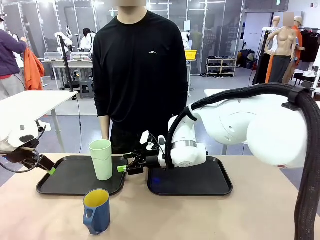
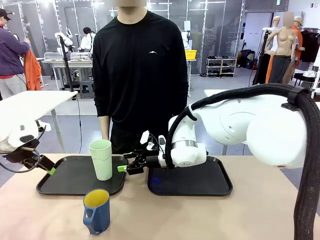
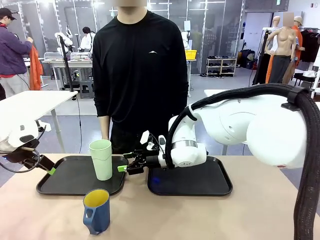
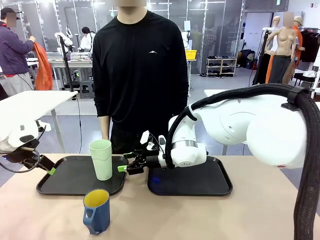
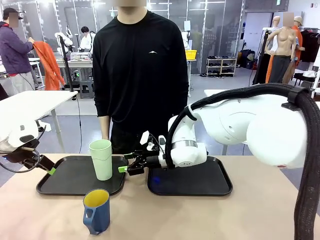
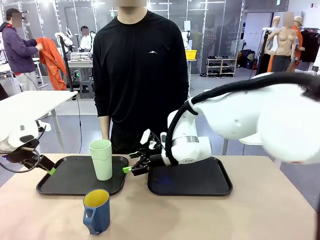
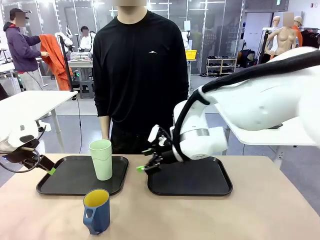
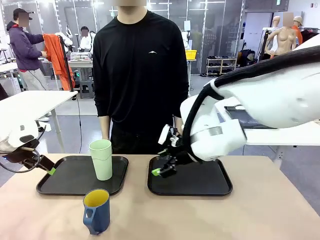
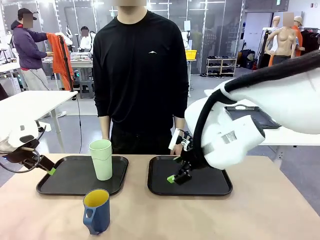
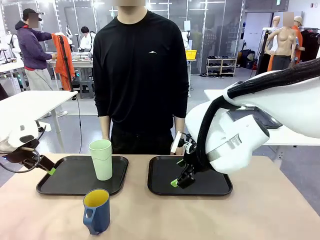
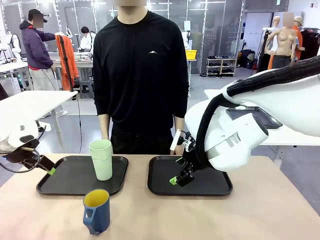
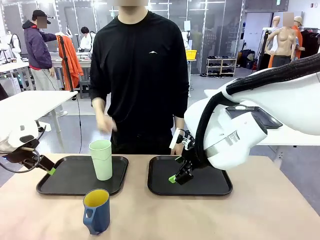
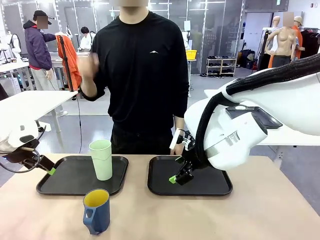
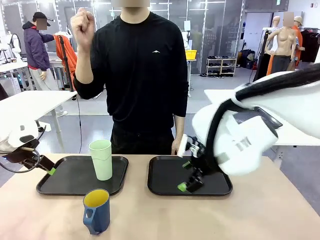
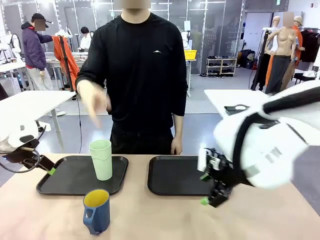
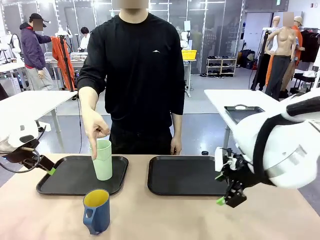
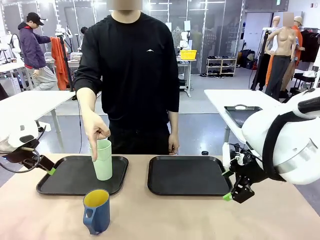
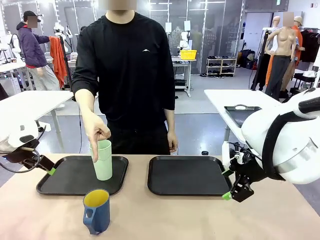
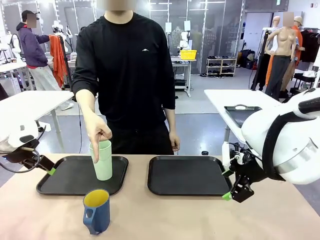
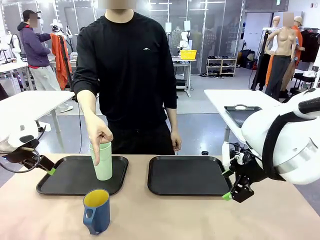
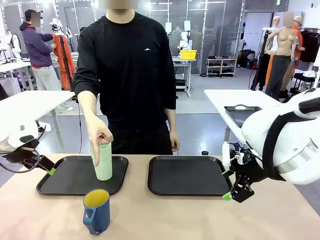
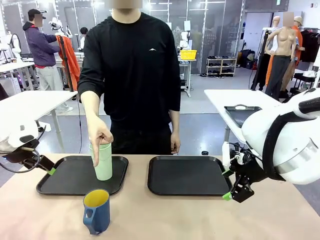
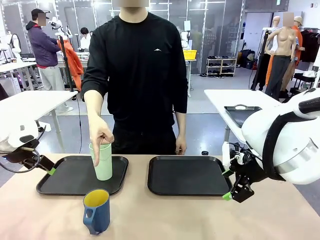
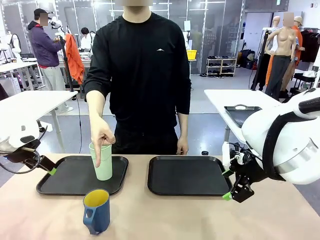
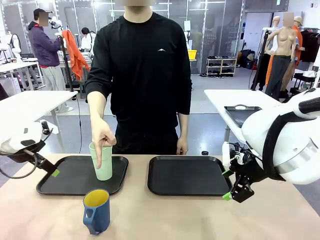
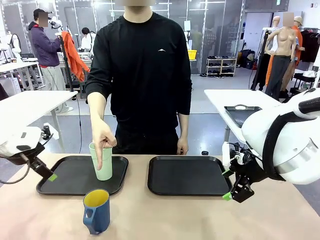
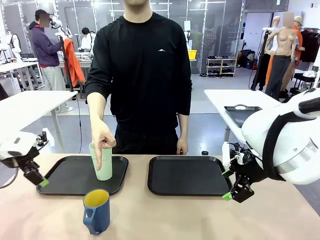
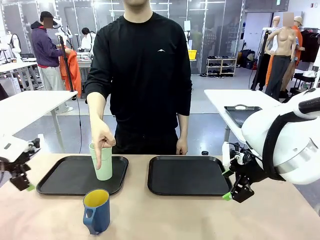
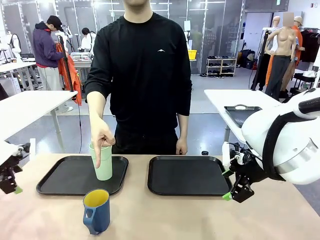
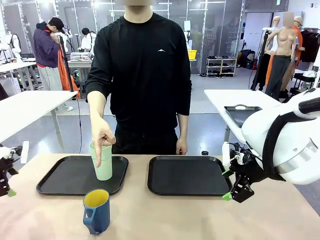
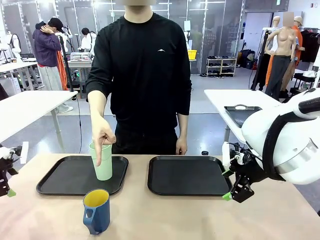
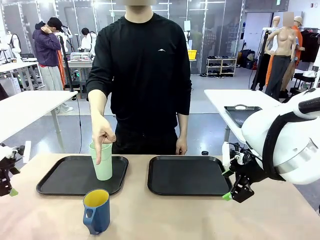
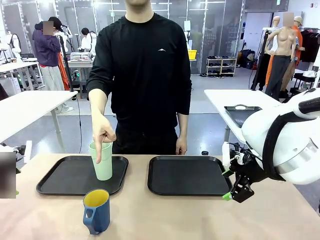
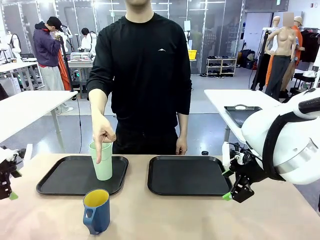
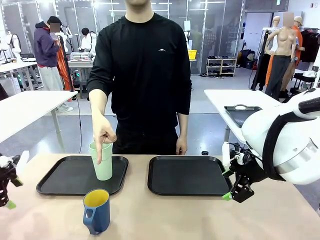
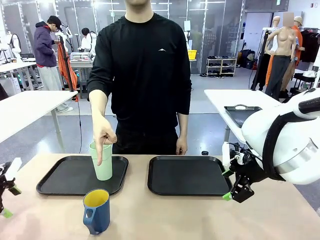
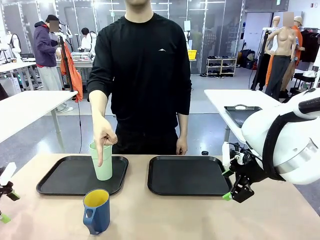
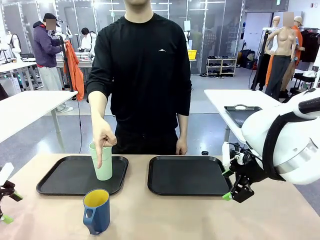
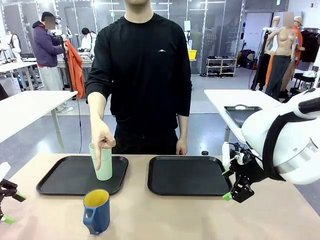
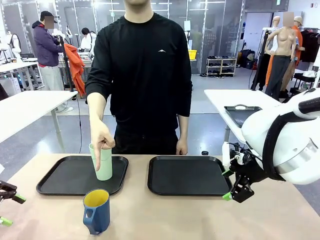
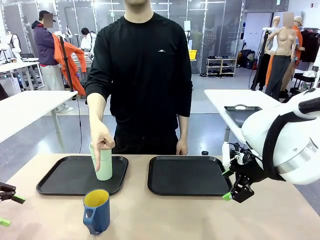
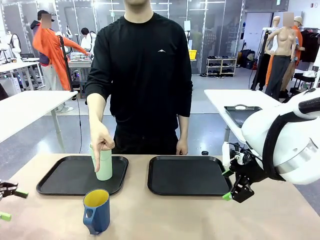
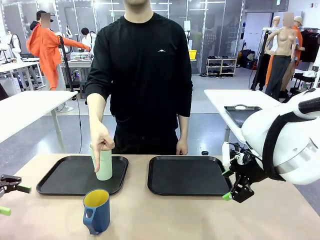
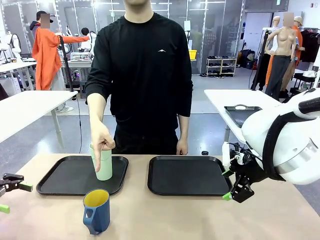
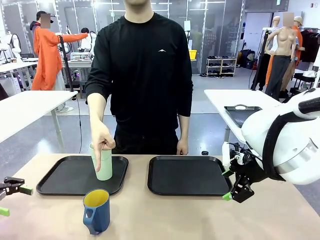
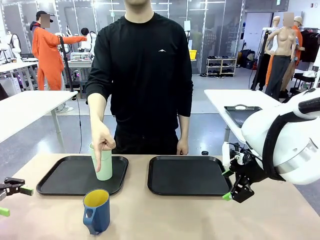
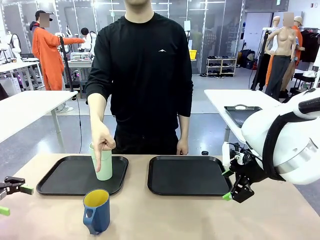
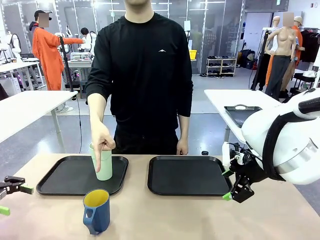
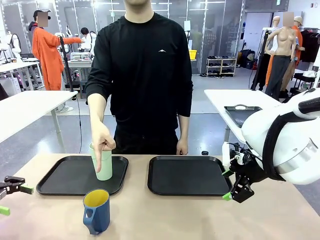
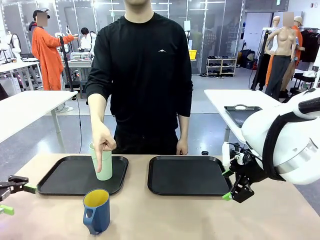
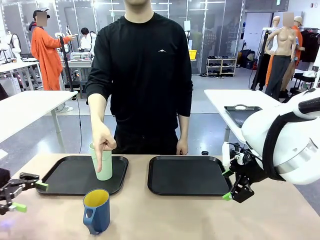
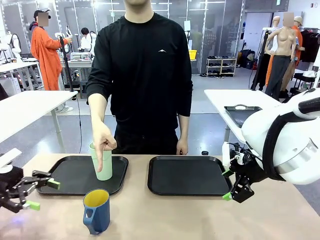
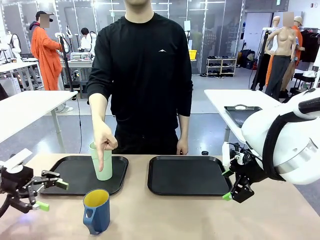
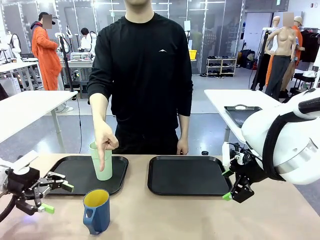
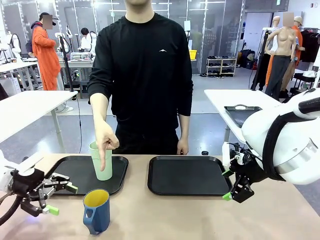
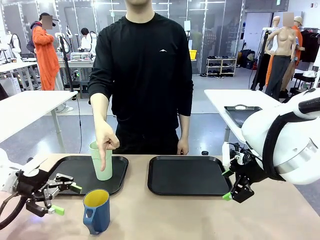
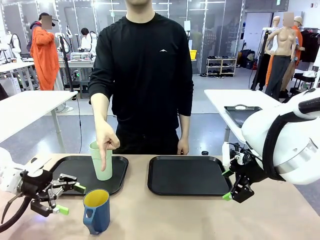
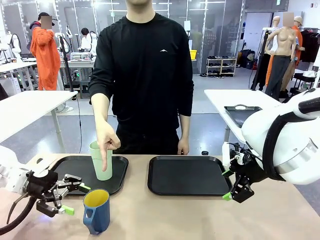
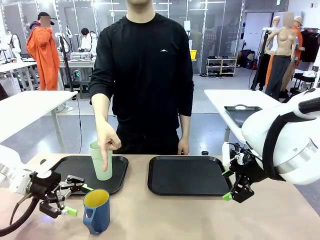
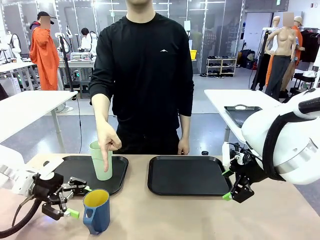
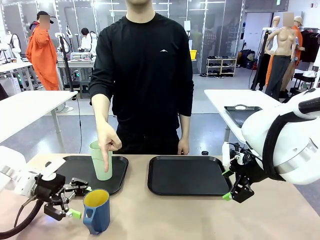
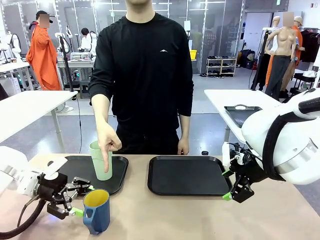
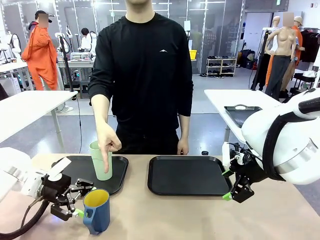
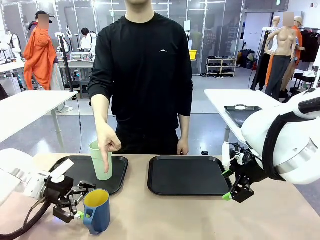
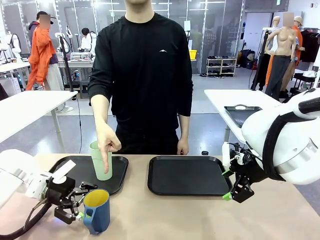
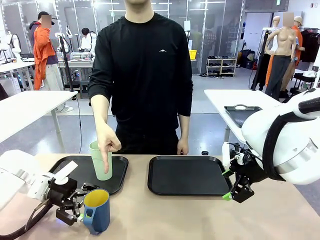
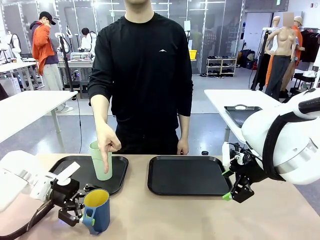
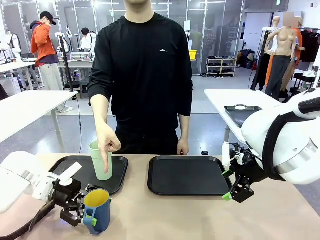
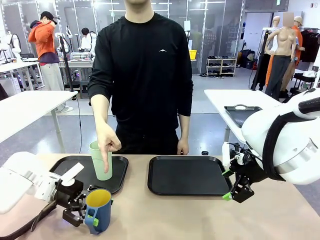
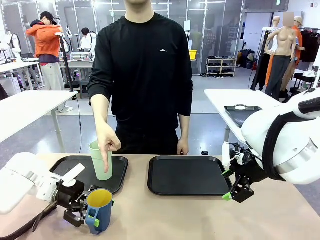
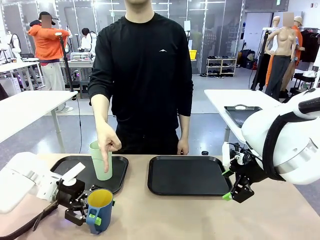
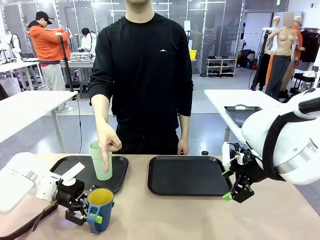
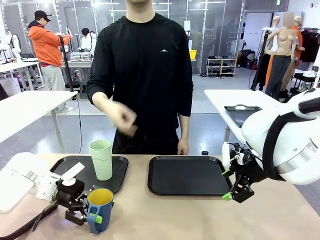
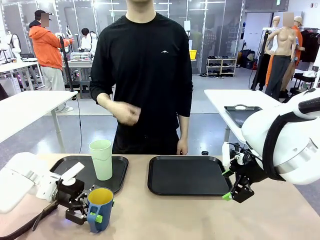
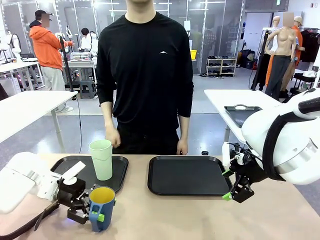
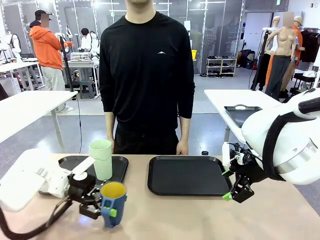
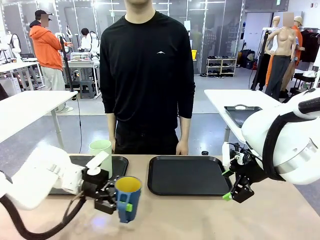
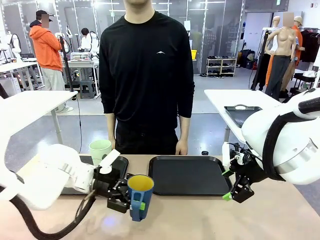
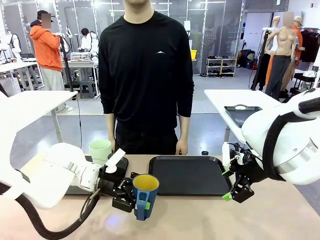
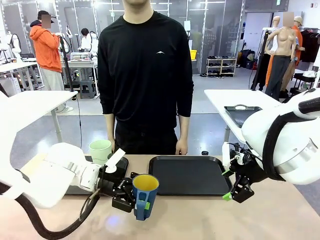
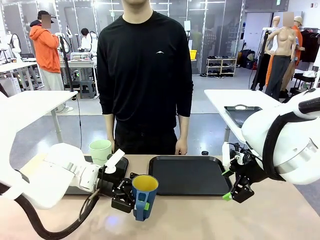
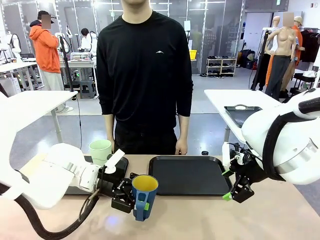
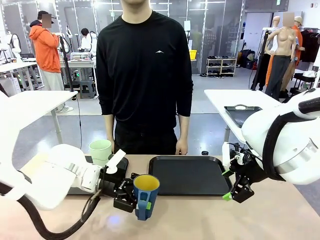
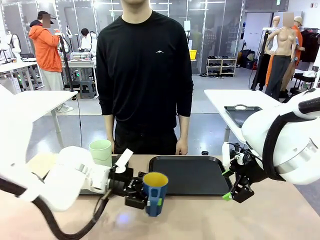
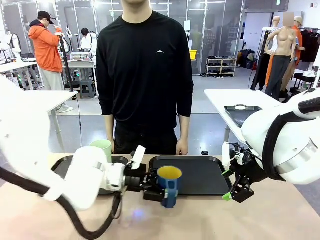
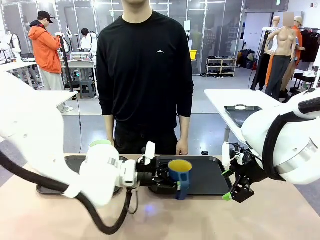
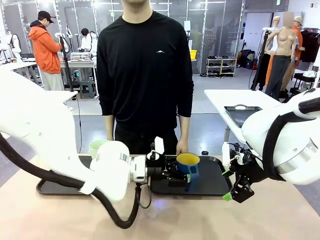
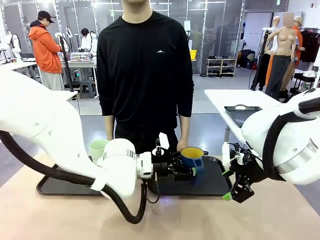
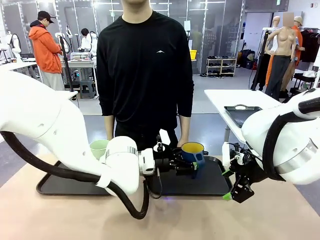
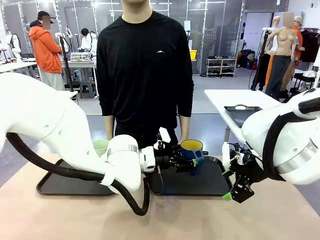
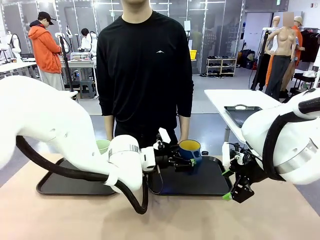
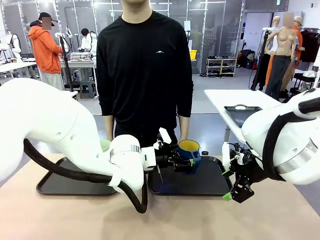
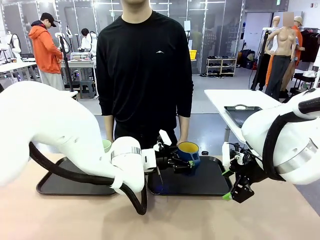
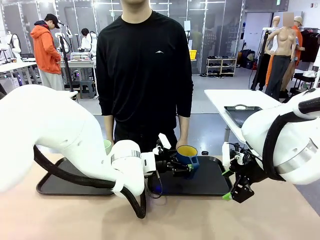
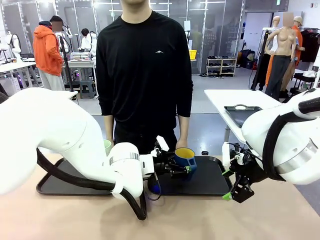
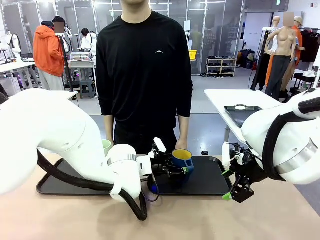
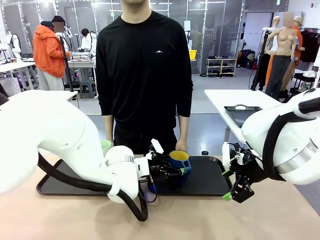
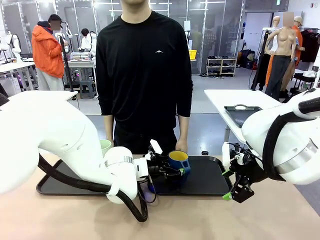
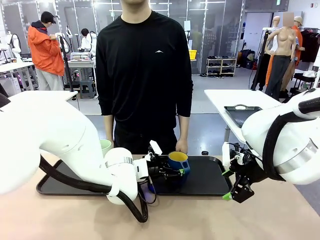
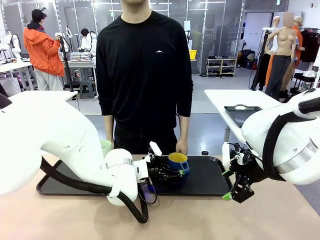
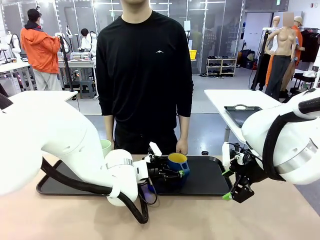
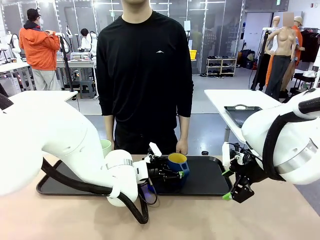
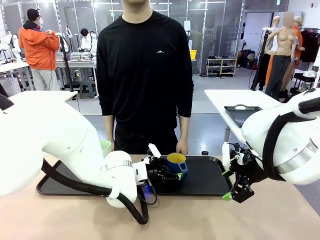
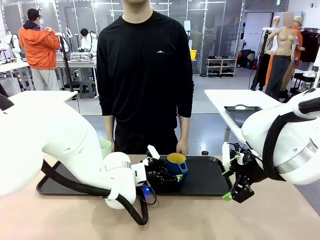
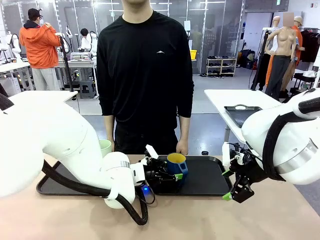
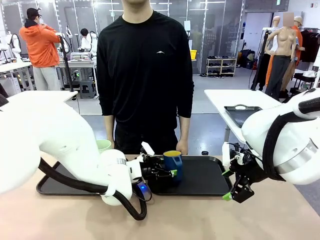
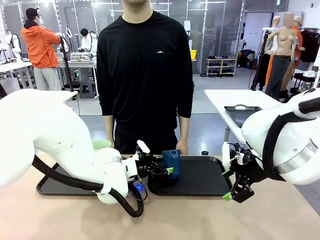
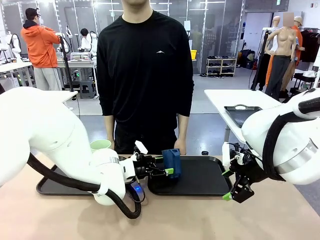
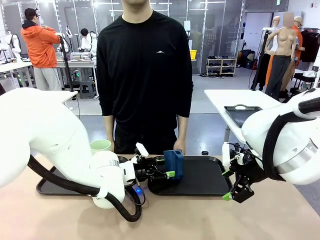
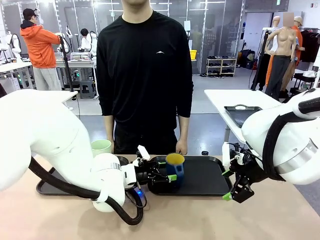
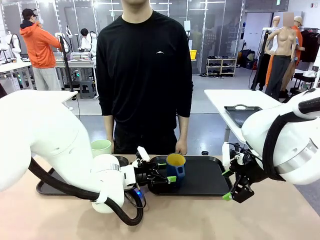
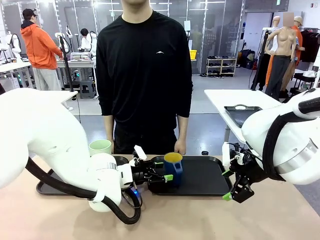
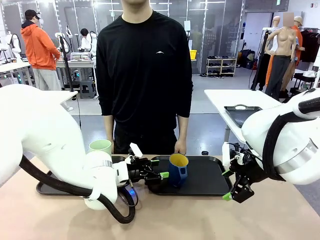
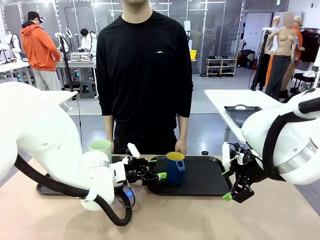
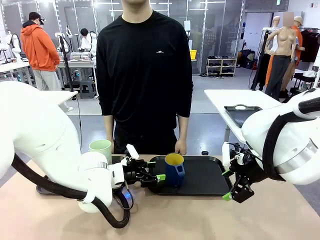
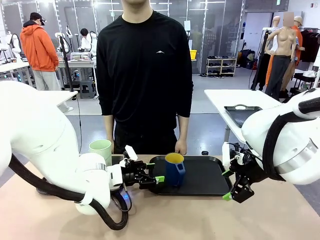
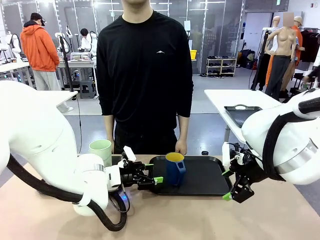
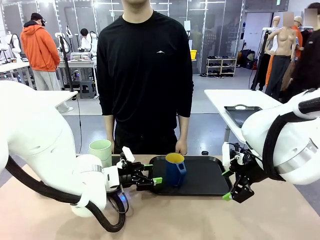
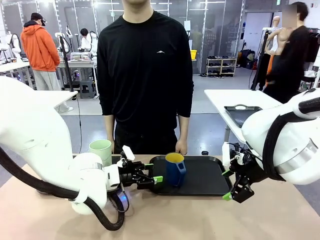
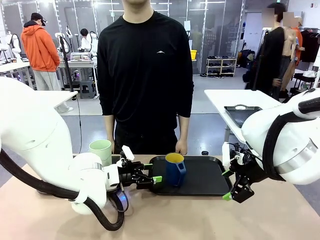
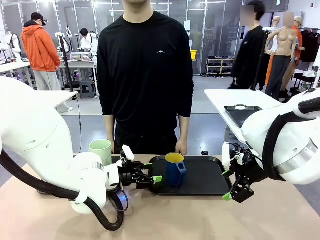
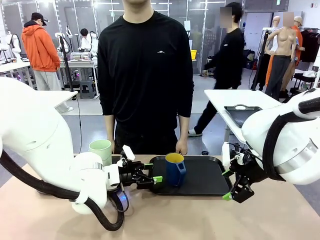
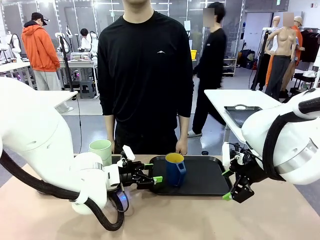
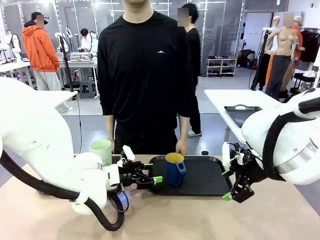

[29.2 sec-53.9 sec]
Task: Sort and store the cups by type.
Robot: Pick up the Handle plastic cup and place it into the empty Flat Tray.
Person: Points to the cup with a handle.
